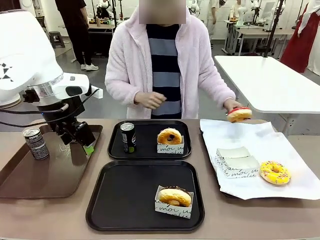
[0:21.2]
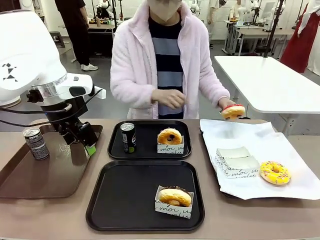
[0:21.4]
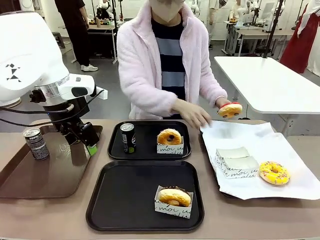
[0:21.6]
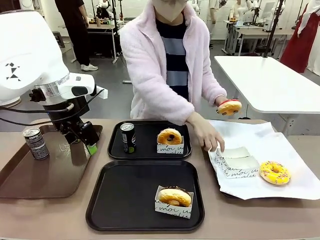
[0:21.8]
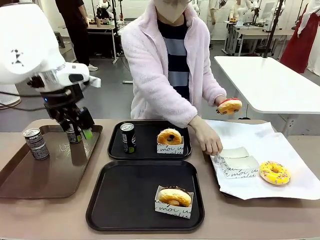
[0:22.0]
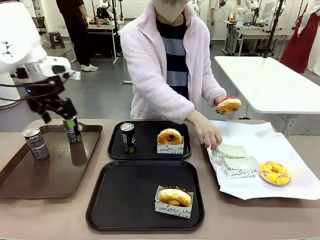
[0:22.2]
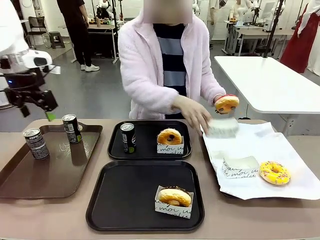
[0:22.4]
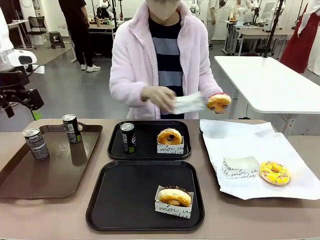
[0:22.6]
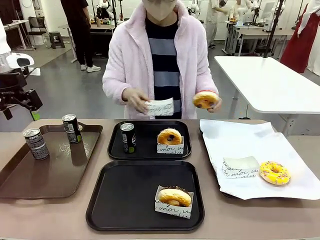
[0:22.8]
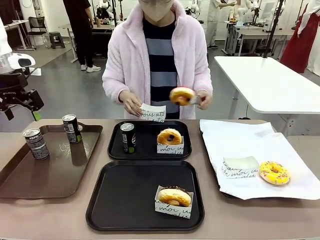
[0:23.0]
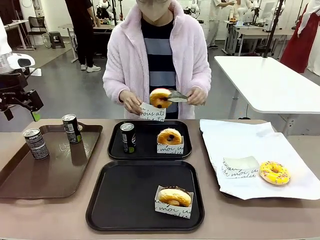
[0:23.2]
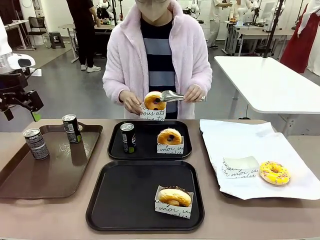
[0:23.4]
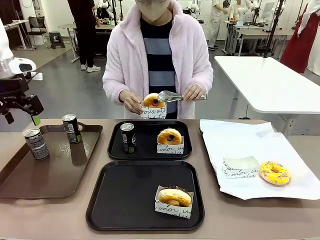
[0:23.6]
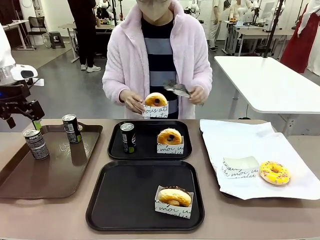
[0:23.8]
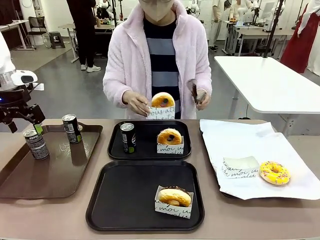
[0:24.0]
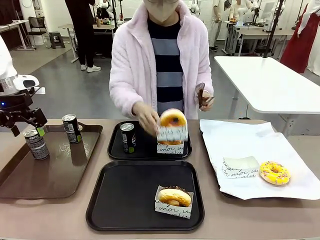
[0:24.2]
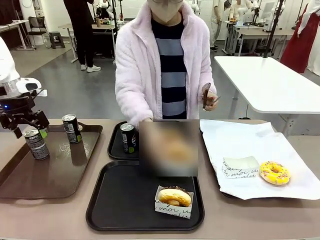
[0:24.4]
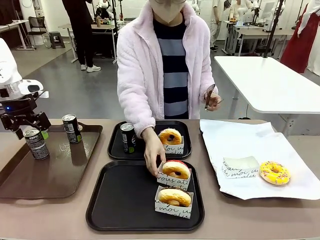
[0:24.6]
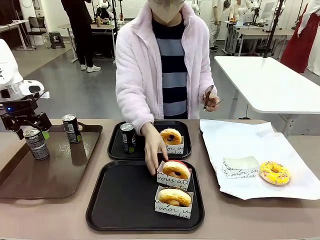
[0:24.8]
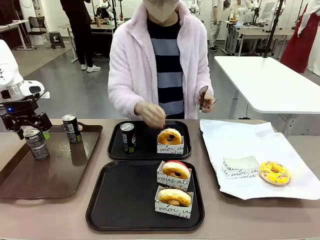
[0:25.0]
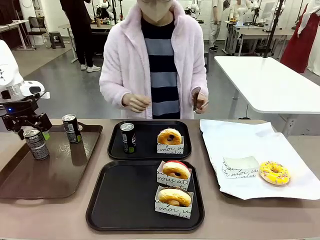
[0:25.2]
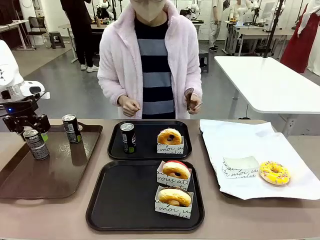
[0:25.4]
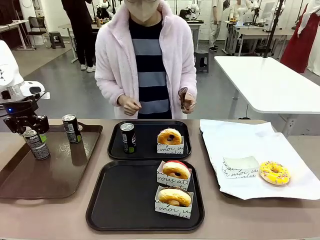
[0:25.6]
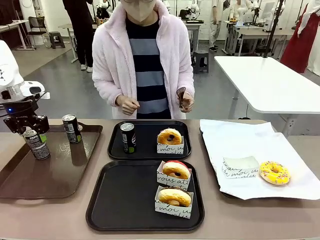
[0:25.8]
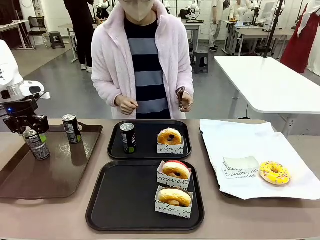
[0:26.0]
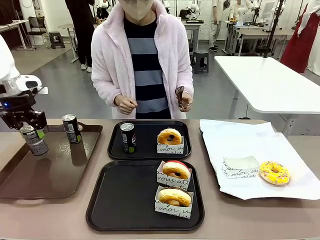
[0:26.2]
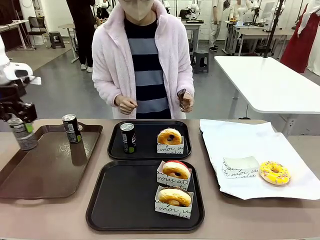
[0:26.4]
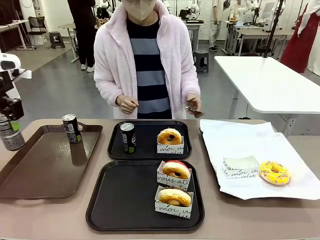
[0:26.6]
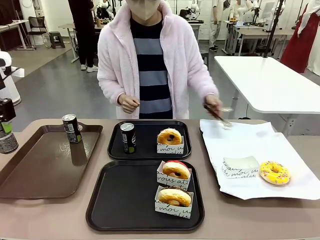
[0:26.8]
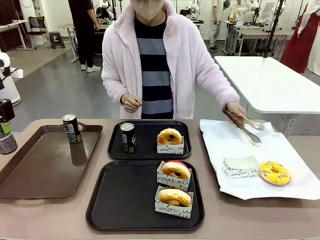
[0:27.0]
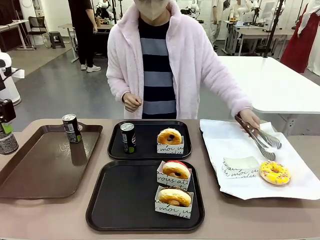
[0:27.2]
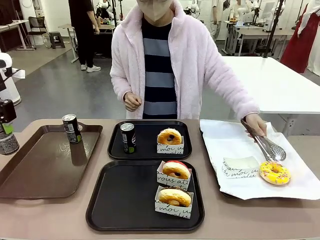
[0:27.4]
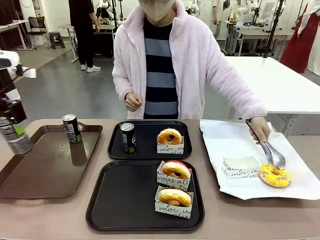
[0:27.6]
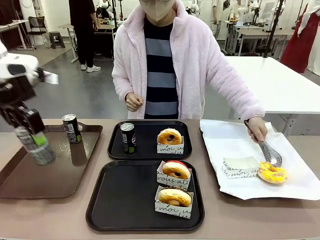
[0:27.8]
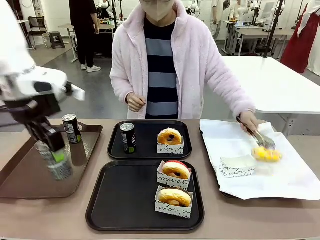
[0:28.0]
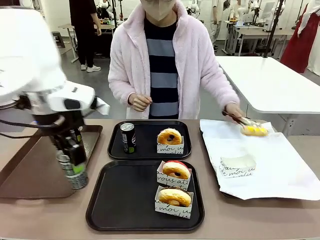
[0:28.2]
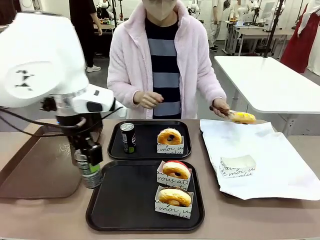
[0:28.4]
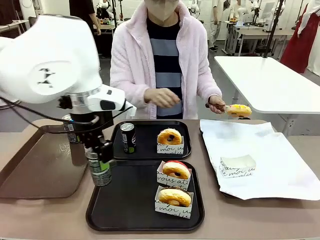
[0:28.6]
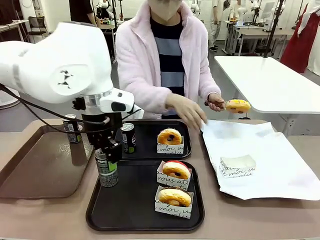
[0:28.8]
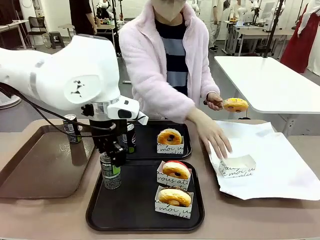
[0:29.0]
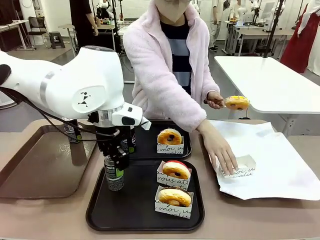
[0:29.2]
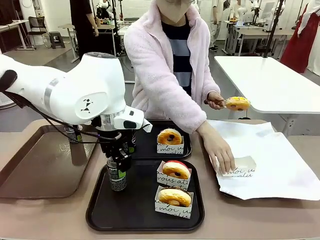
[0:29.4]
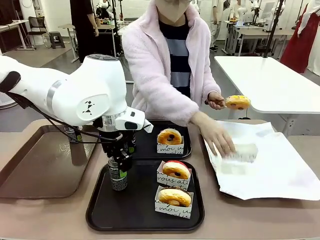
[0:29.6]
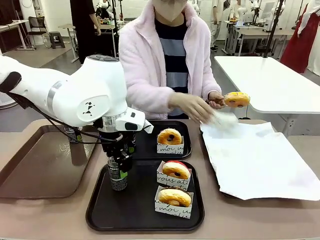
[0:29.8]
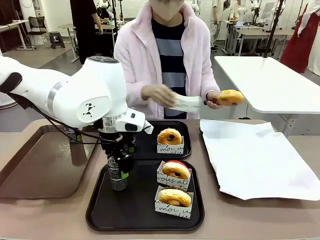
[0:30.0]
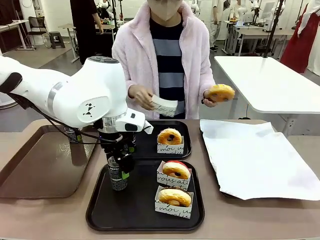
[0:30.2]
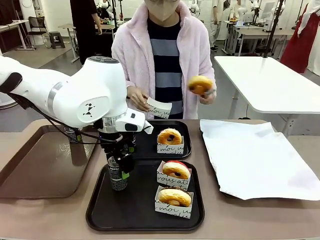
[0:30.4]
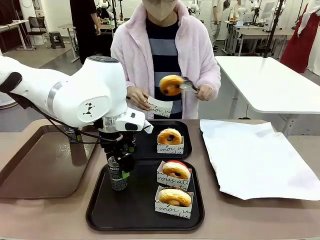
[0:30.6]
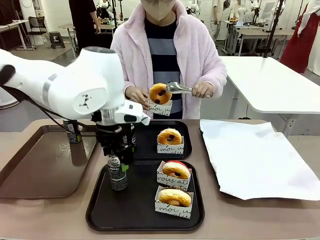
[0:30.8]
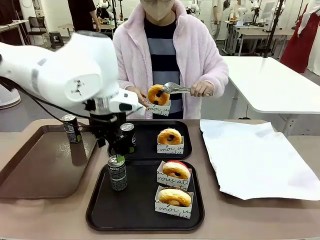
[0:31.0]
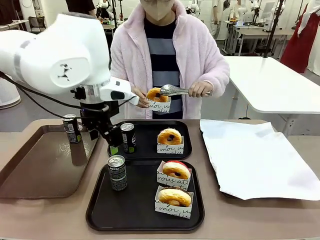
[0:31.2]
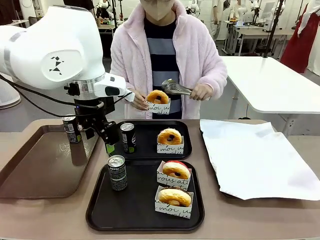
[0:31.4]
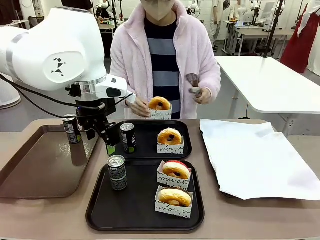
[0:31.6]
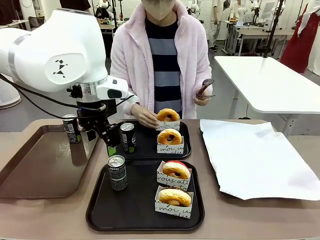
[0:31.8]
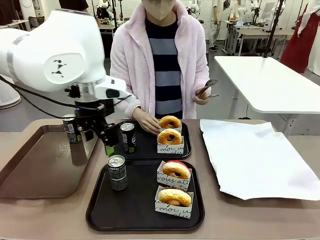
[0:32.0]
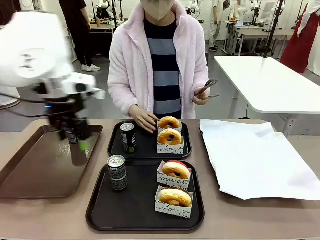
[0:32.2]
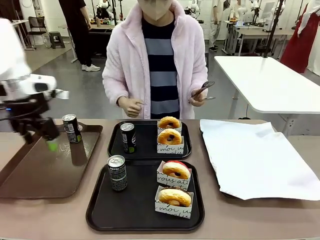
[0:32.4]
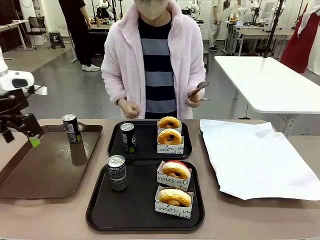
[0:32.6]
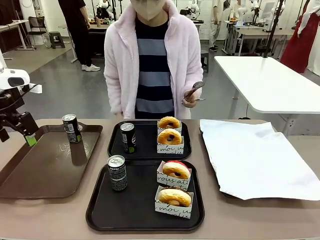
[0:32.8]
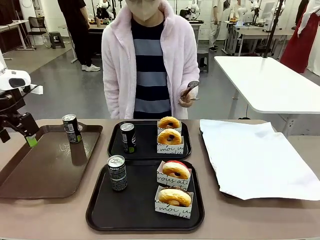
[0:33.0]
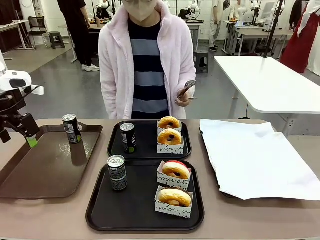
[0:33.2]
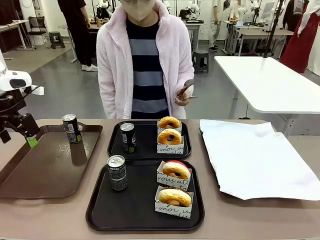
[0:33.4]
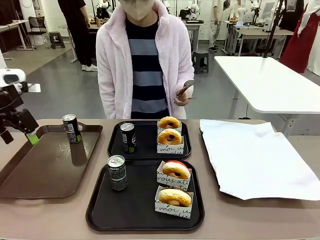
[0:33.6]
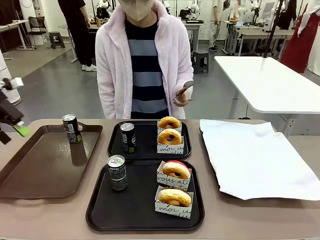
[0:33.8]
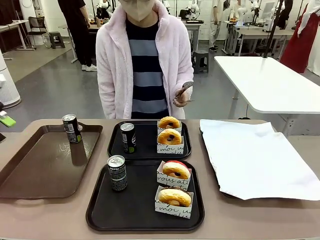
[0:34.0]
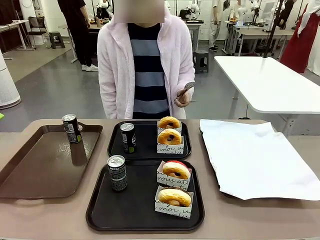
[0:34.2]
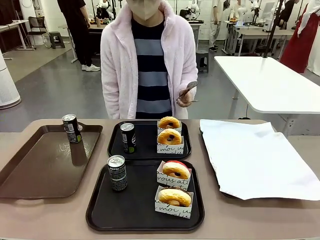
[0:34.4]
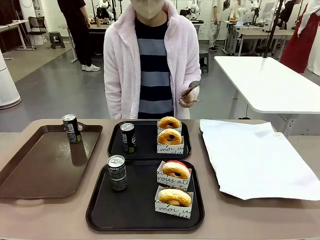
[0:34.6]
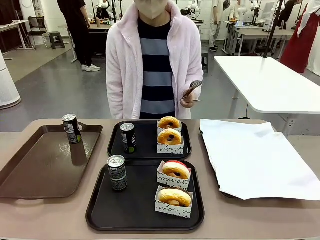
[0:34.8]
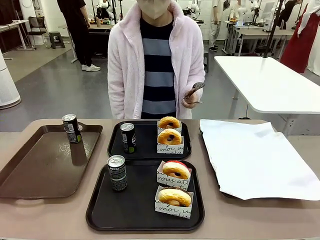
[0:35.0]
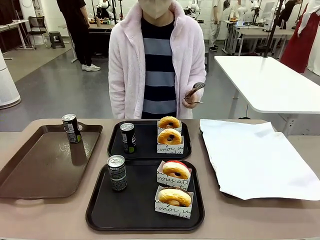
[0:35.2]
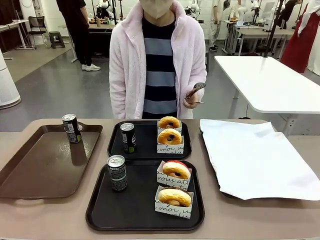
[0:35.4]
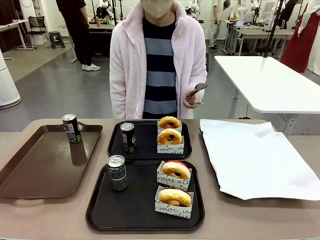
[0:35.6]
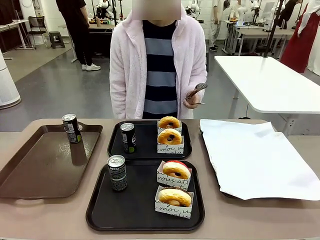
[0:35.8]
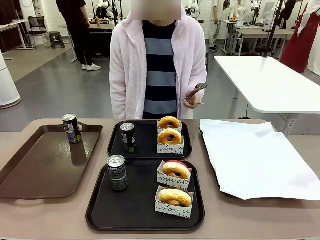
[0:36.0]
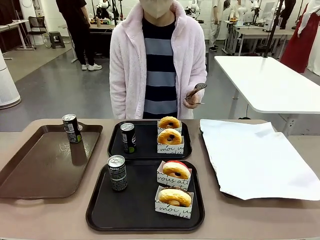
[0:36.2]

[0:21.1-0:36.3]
Task: Set up donuts and drinks on trays.
Robot: Pick up one Pepsi coke from the Handle tray and place it on the Flat Tray without a Pepsi coke.
